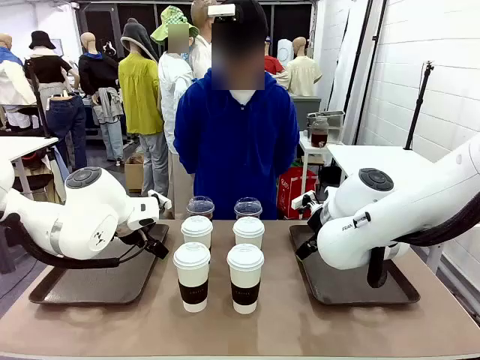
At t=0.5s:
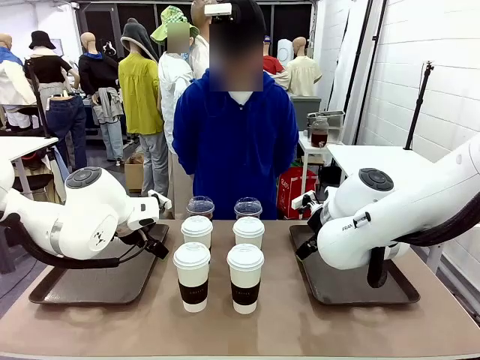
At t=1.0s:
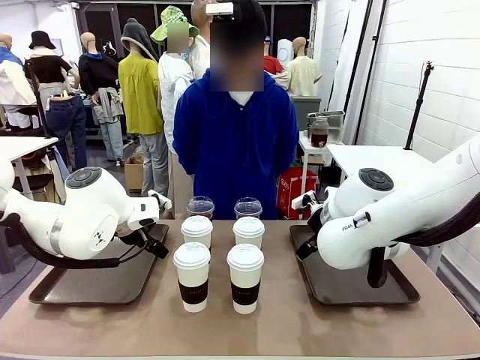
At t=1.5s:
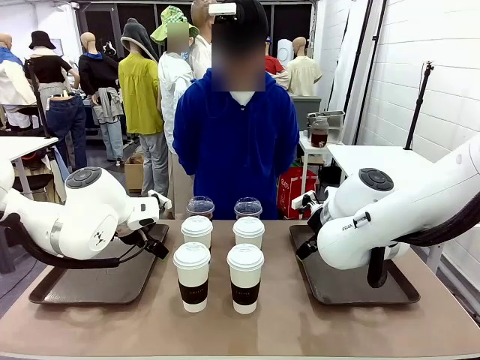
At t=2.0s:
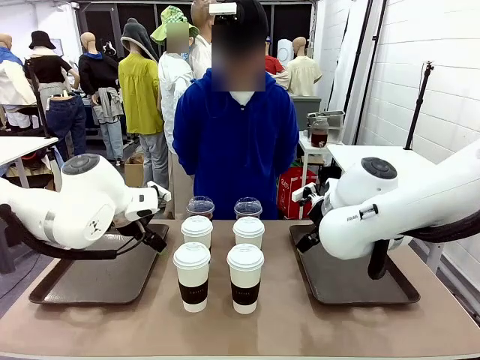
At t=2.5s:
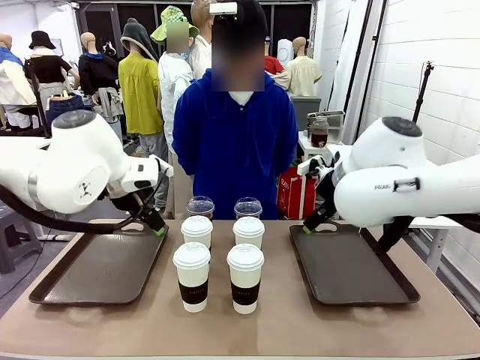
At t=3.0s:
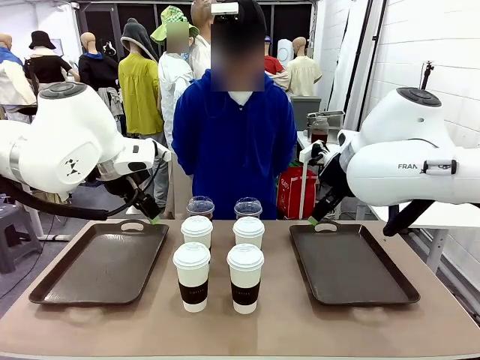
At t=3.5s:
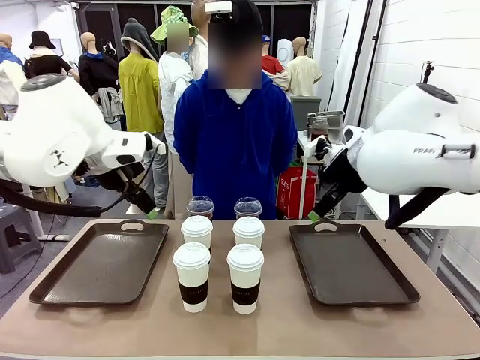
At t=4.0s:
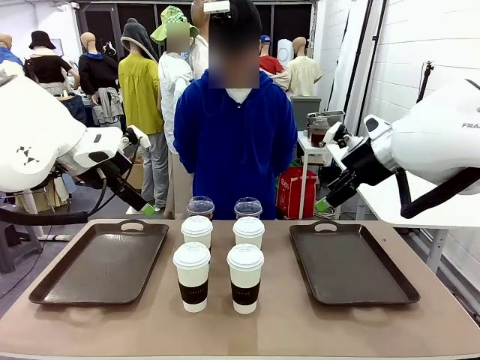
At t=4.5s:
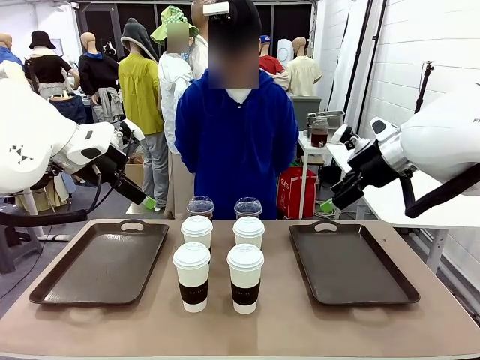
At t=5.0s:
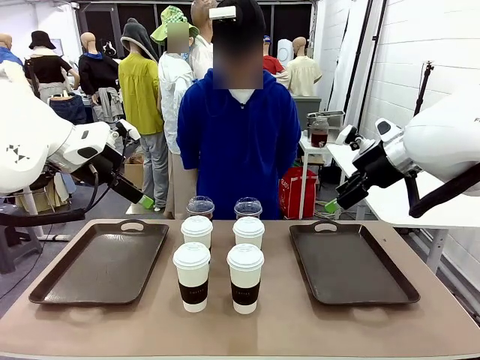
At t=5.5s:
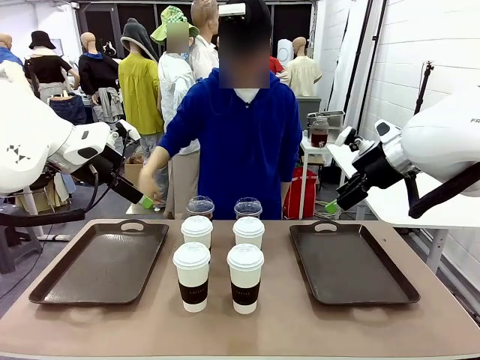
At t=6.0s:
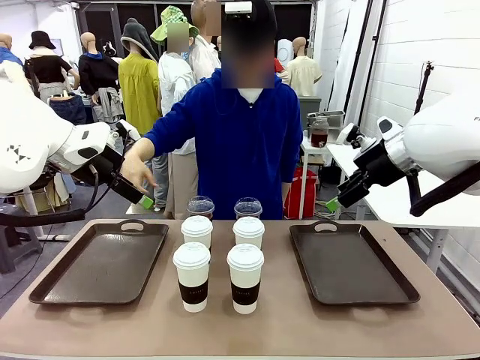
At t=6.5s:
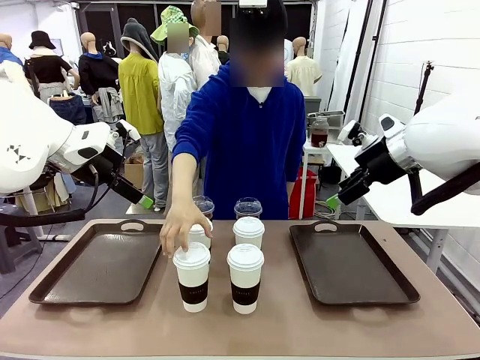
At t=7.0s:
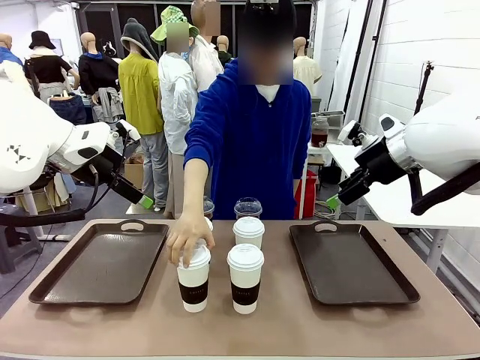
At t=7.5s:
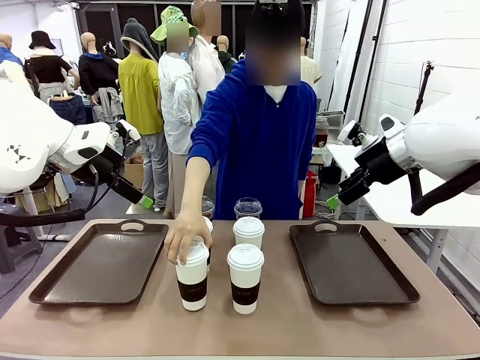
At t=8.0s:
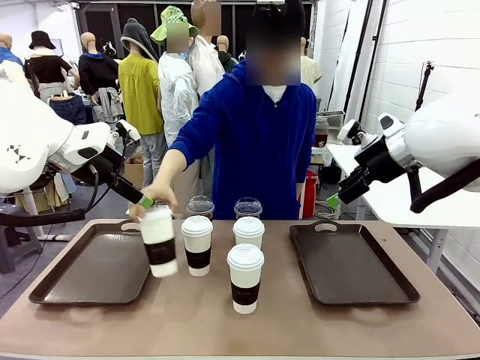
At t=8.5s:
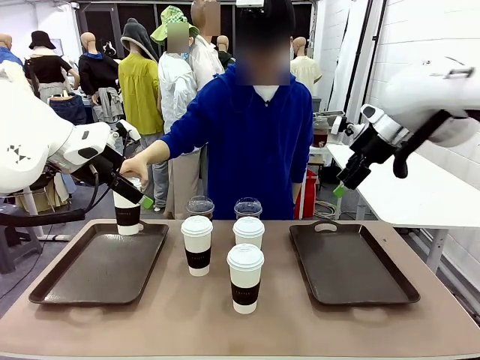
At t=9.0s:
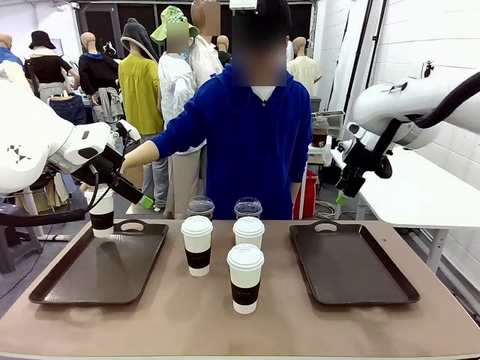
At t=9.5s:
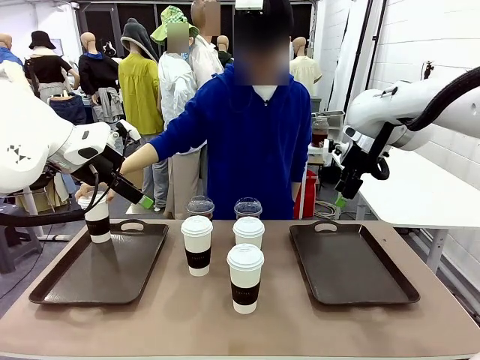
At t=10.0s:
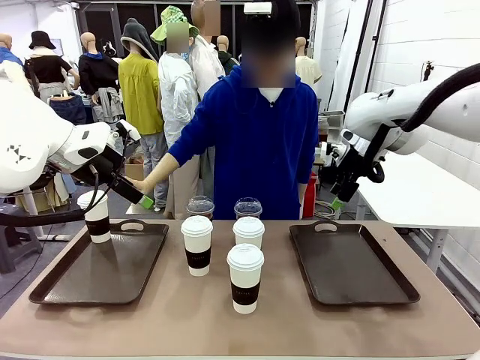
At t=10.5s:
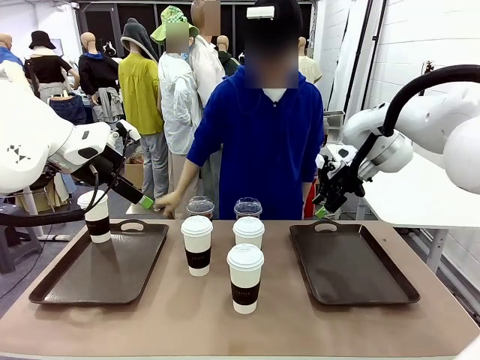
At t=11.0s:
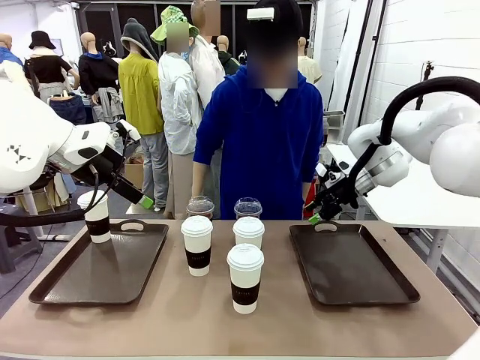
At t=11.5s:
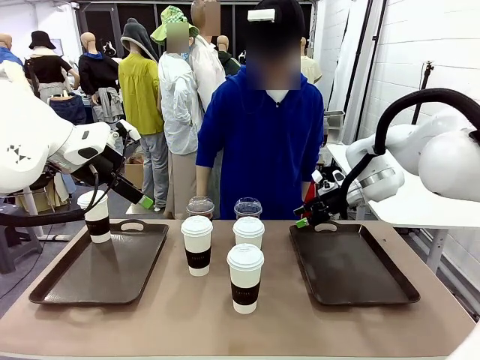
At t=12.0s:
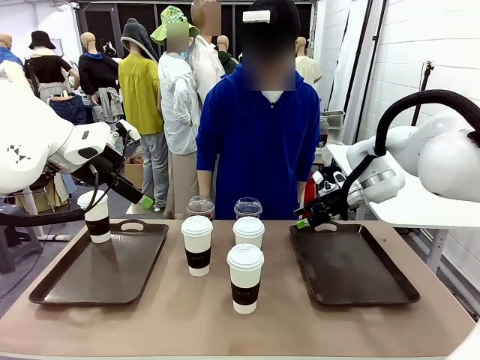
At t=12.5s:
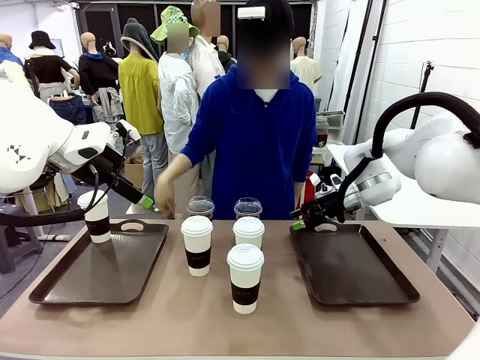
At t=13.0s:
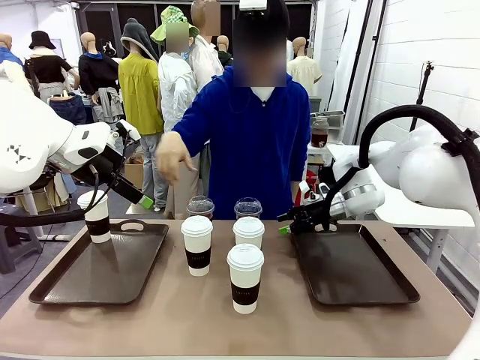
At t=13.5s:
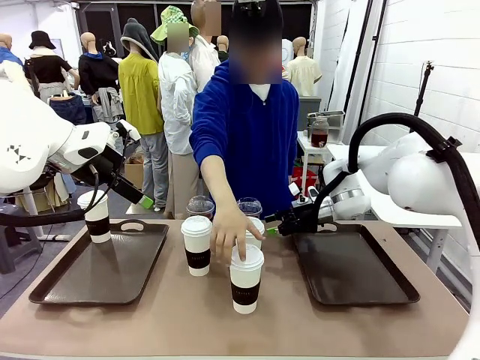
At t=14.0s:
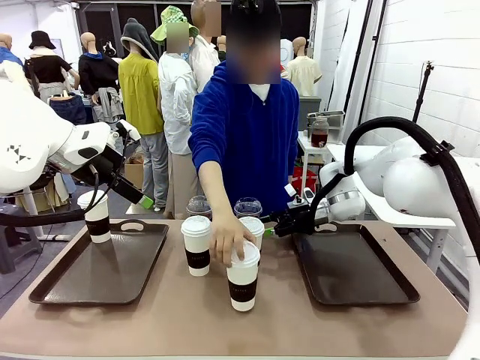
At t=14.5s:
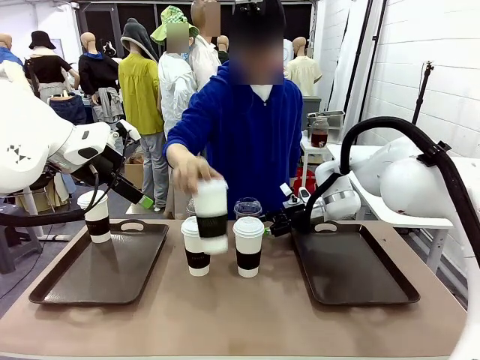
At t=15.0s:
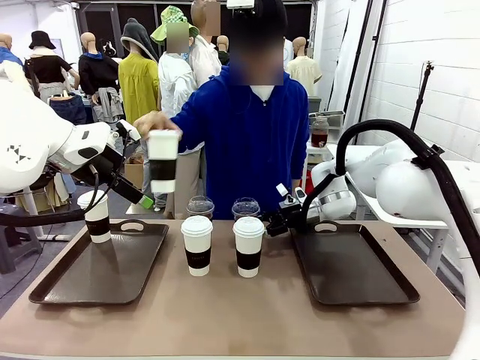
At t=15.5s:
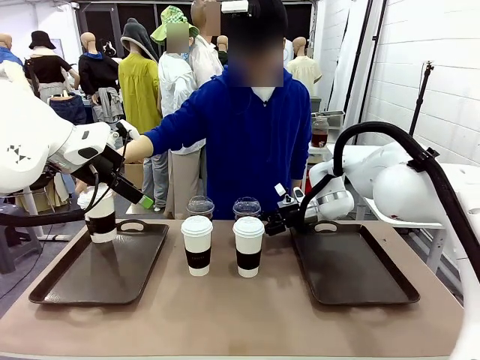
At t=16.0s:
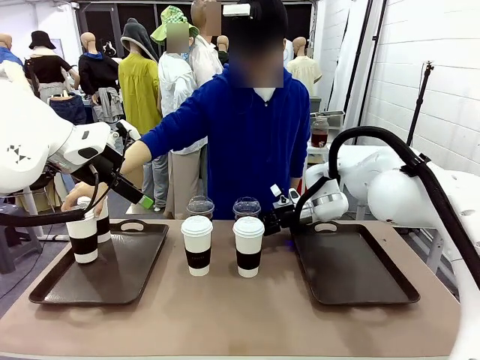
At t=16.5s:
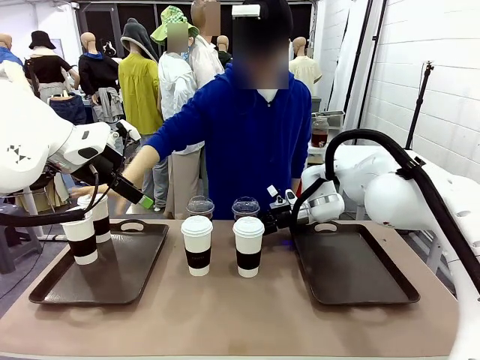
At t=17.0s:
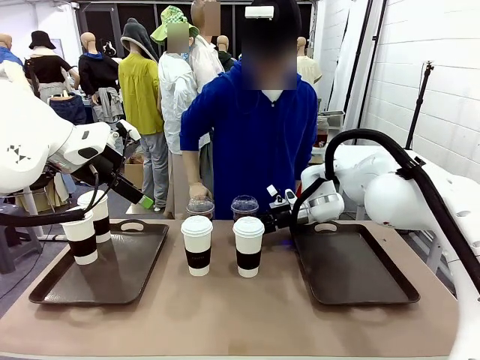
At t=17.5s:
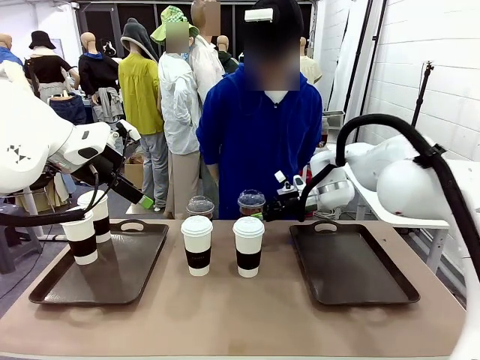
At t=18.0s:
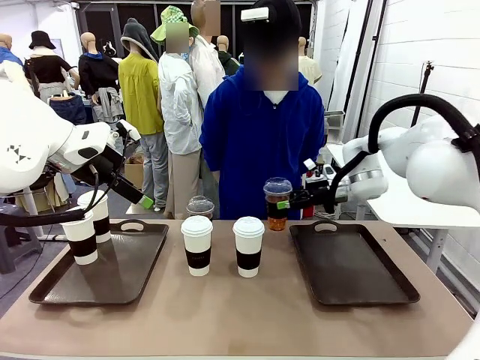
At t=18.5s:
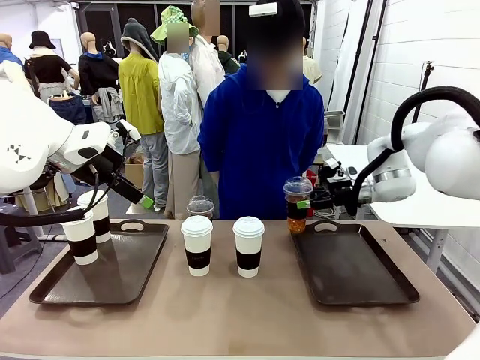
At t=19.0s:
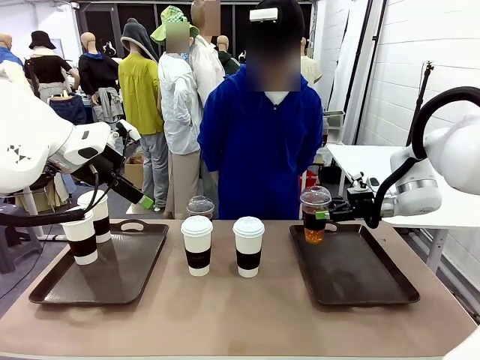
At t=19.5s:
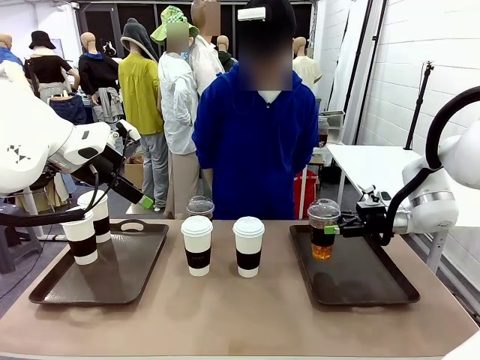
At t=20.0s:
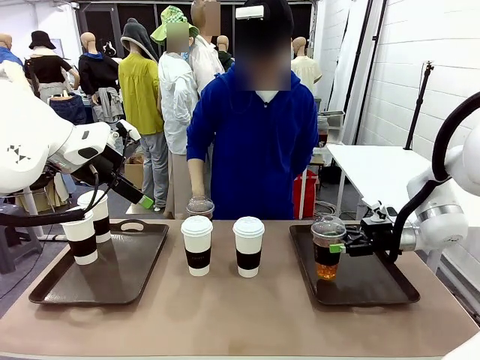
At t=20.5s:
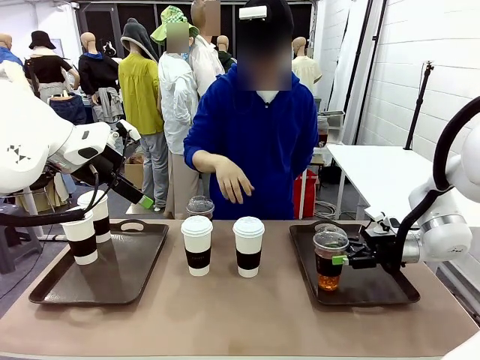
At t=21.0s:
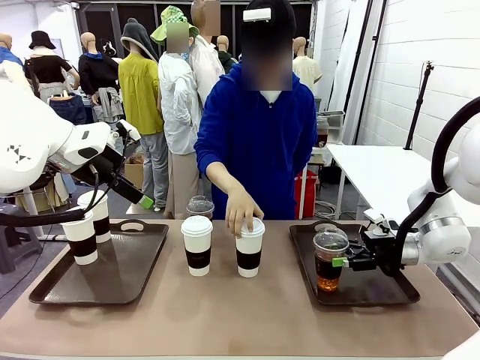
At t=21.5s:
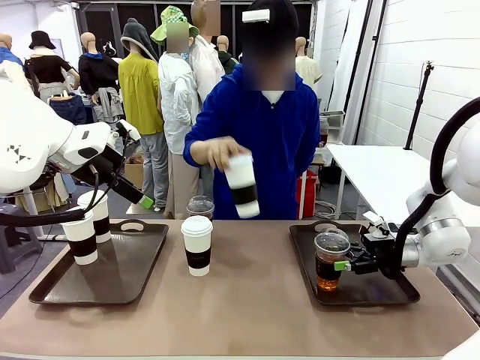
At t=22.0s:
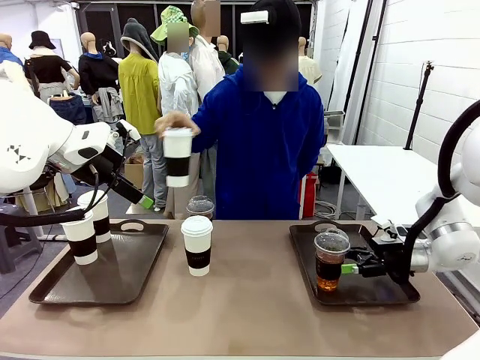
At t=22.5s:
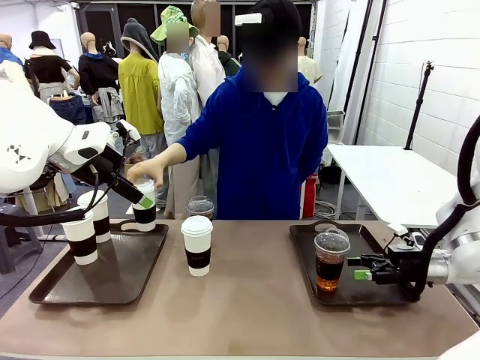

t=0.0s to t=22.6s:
Task: Distribute the coffee onto the tray.
Robot: Pick up one iced Americano and place it on the right Handle tray.
Person: Pick up a cup of hot Americano and place it on the right tray.
